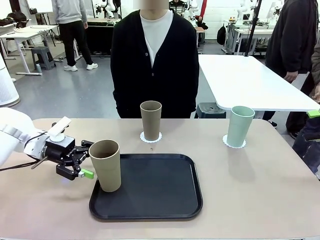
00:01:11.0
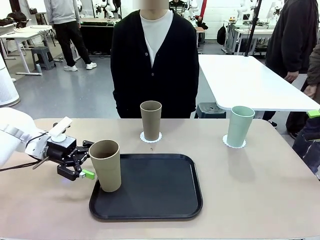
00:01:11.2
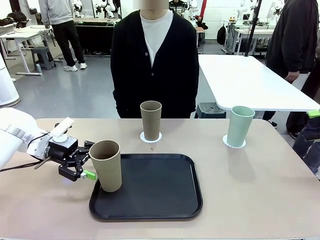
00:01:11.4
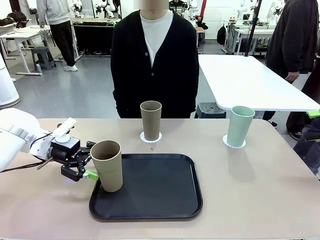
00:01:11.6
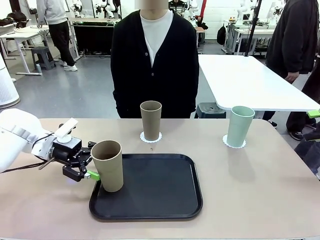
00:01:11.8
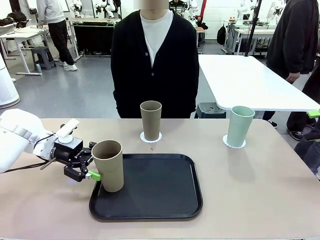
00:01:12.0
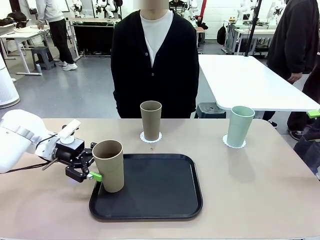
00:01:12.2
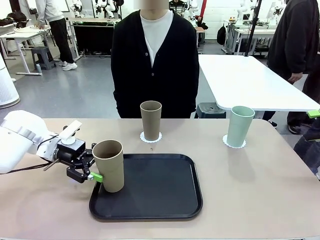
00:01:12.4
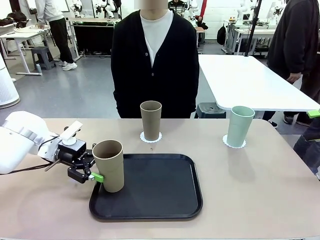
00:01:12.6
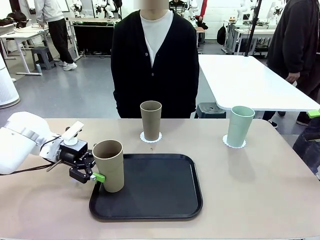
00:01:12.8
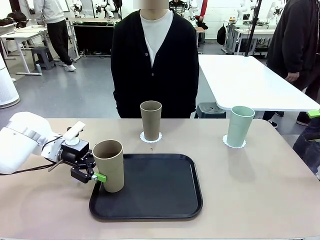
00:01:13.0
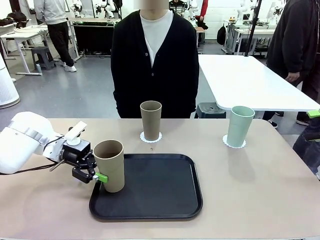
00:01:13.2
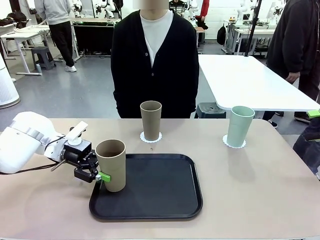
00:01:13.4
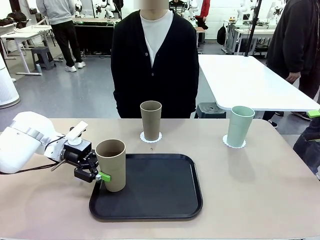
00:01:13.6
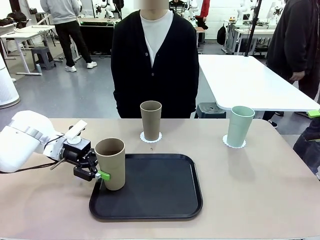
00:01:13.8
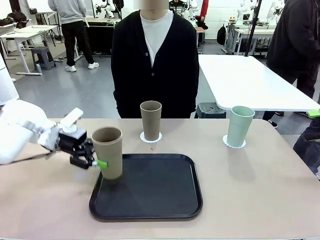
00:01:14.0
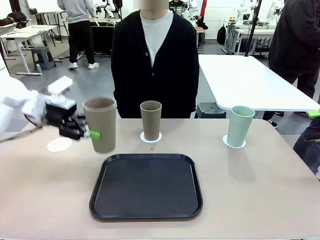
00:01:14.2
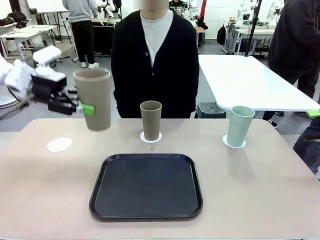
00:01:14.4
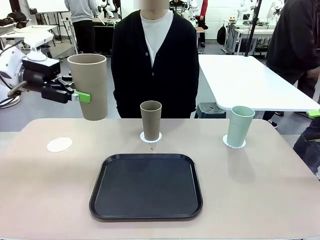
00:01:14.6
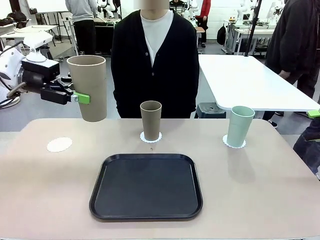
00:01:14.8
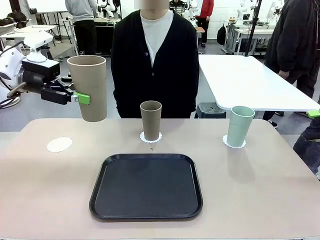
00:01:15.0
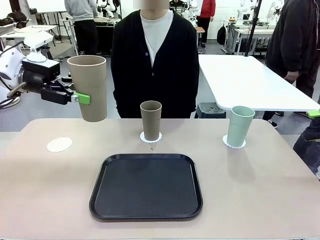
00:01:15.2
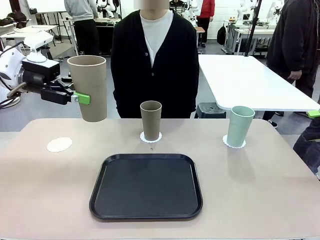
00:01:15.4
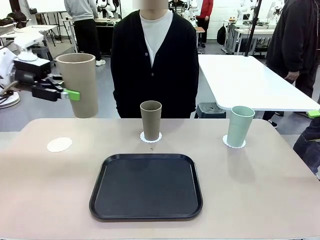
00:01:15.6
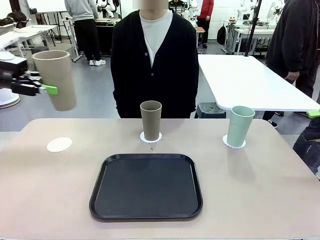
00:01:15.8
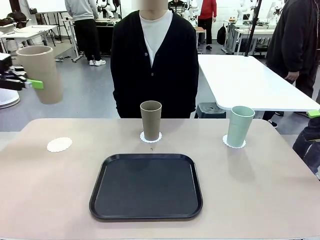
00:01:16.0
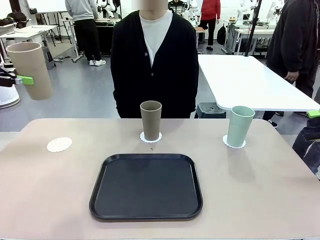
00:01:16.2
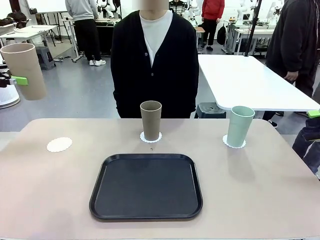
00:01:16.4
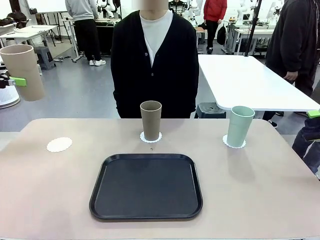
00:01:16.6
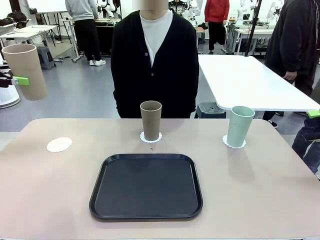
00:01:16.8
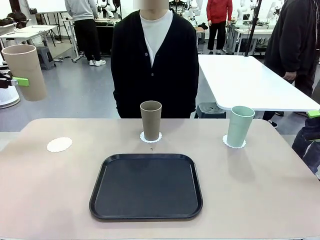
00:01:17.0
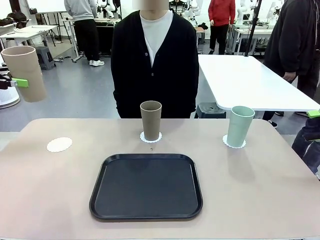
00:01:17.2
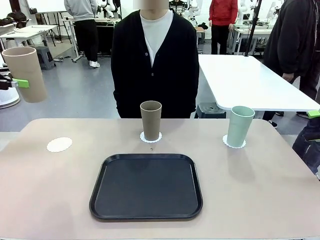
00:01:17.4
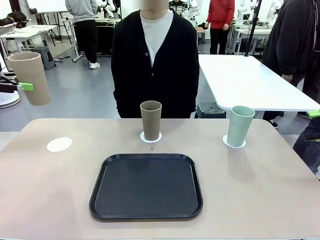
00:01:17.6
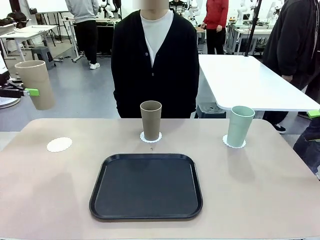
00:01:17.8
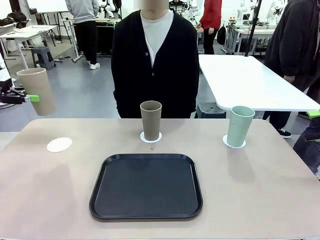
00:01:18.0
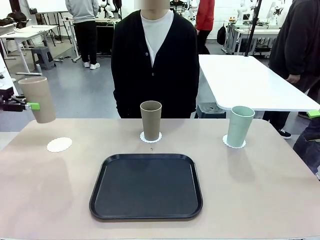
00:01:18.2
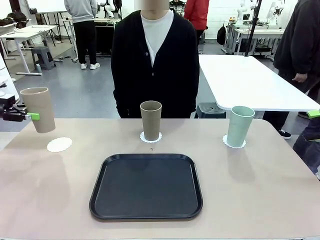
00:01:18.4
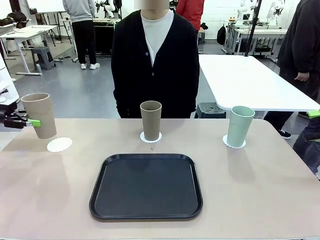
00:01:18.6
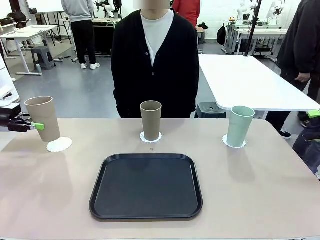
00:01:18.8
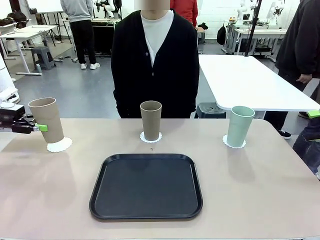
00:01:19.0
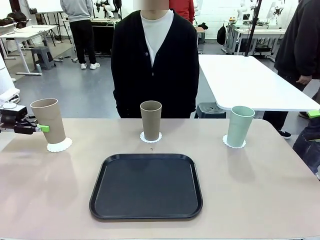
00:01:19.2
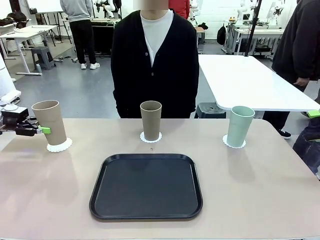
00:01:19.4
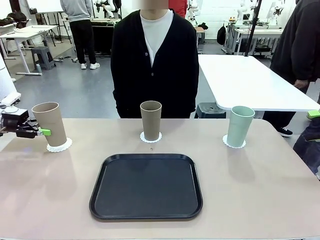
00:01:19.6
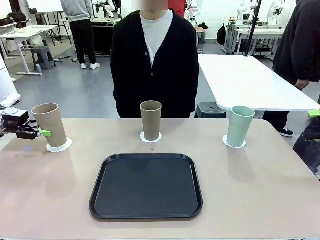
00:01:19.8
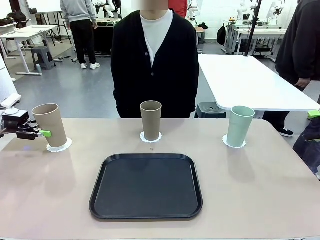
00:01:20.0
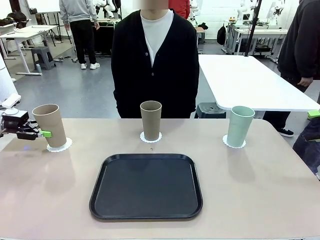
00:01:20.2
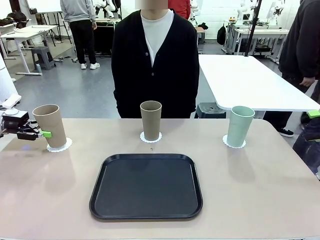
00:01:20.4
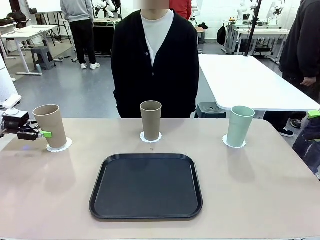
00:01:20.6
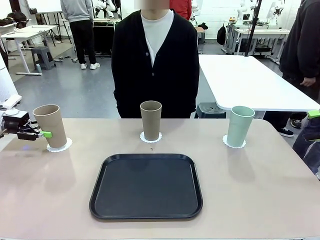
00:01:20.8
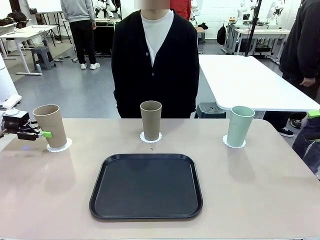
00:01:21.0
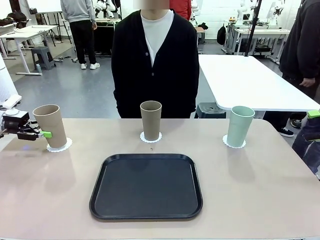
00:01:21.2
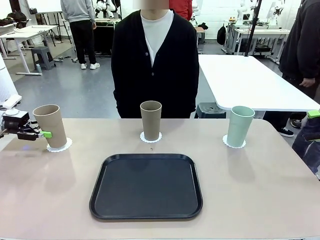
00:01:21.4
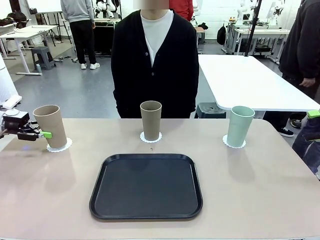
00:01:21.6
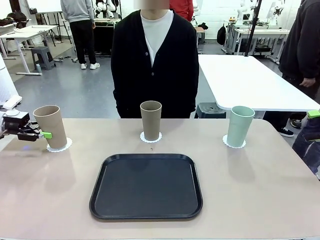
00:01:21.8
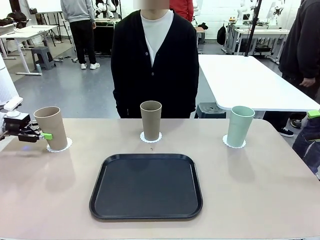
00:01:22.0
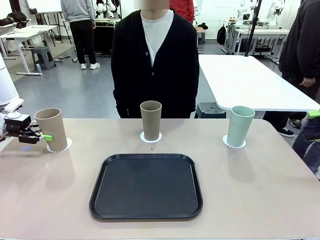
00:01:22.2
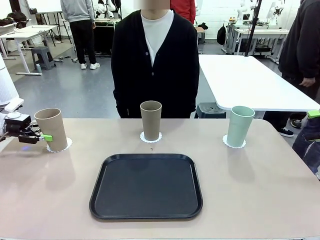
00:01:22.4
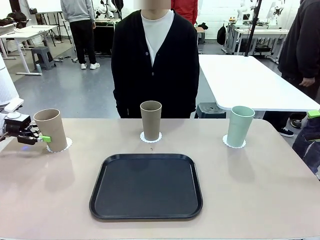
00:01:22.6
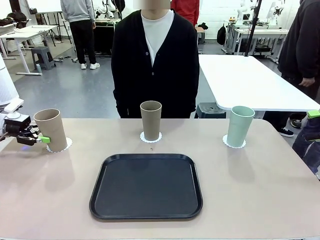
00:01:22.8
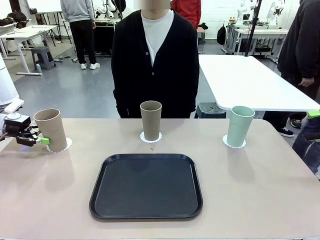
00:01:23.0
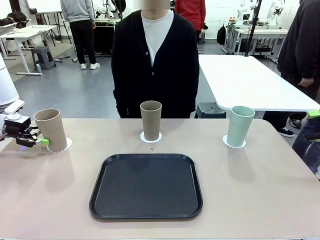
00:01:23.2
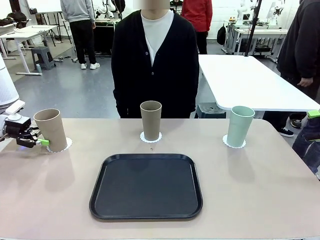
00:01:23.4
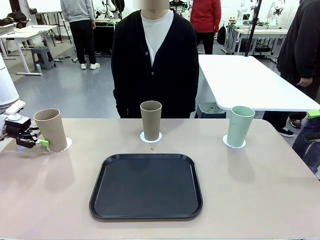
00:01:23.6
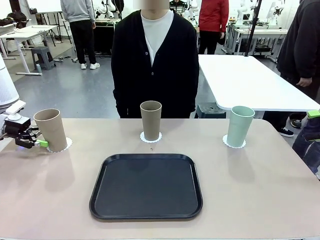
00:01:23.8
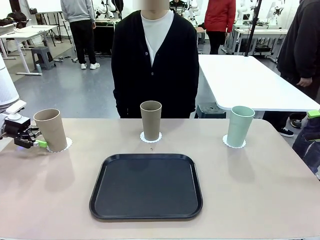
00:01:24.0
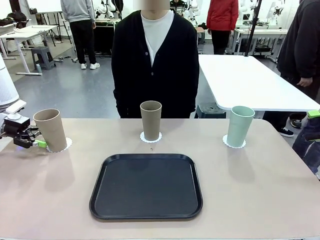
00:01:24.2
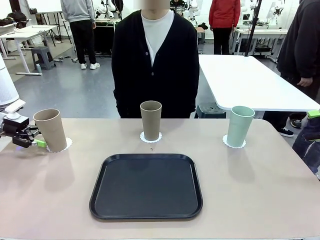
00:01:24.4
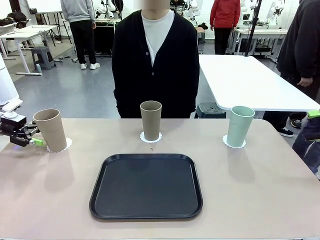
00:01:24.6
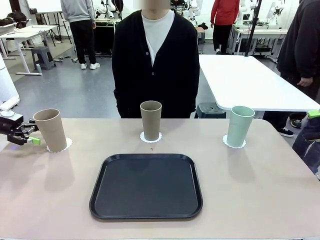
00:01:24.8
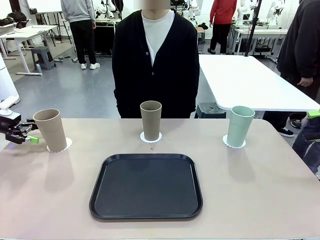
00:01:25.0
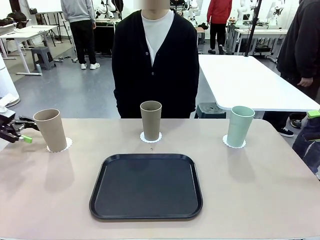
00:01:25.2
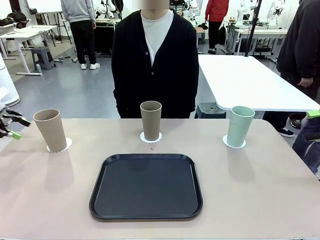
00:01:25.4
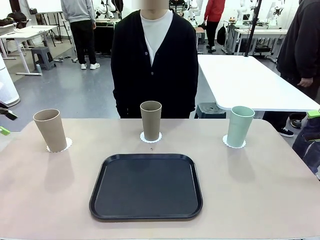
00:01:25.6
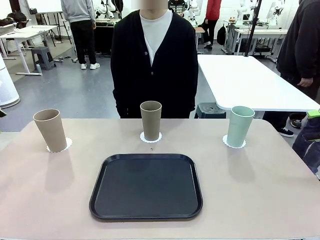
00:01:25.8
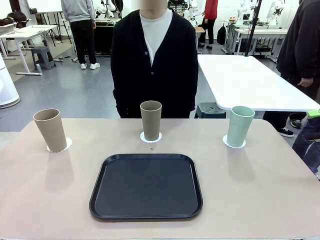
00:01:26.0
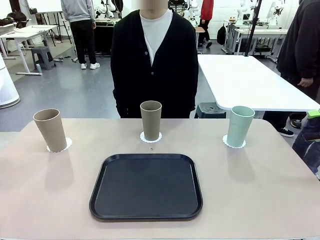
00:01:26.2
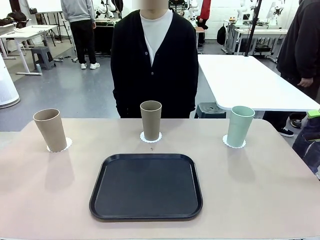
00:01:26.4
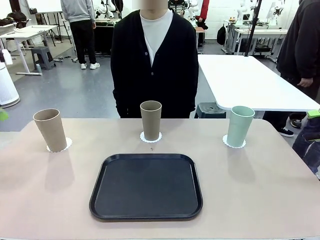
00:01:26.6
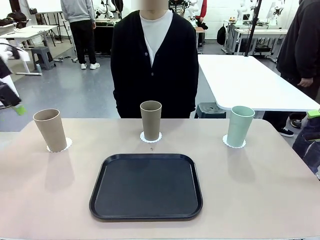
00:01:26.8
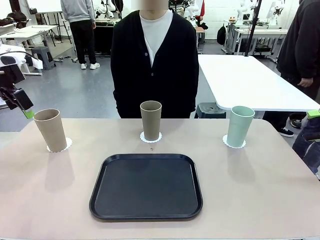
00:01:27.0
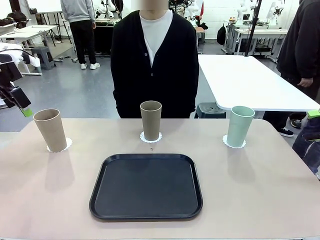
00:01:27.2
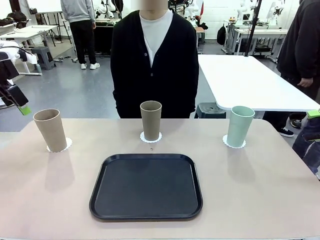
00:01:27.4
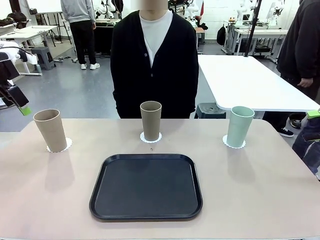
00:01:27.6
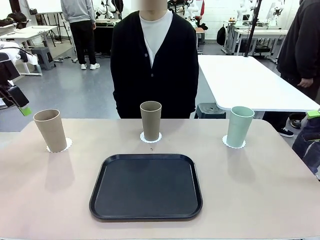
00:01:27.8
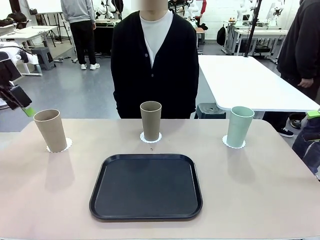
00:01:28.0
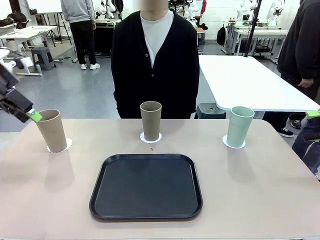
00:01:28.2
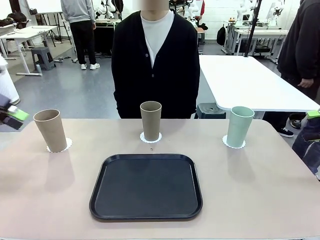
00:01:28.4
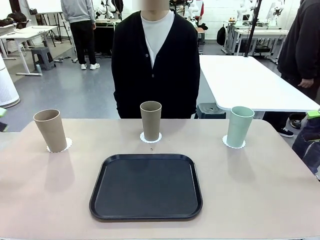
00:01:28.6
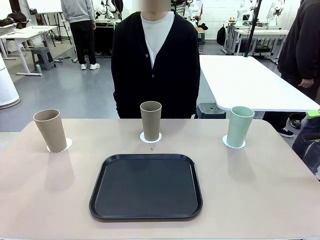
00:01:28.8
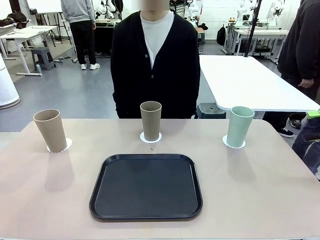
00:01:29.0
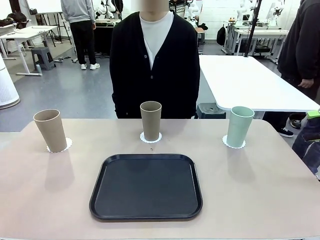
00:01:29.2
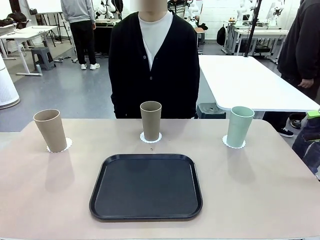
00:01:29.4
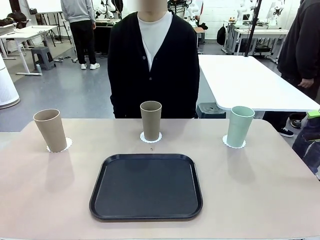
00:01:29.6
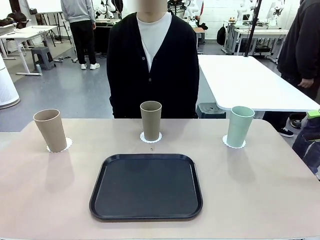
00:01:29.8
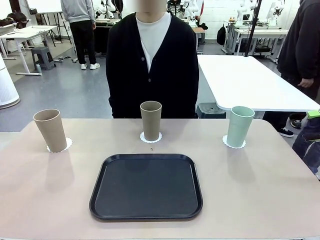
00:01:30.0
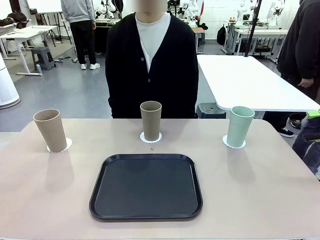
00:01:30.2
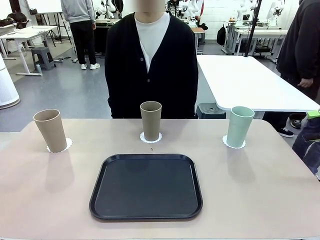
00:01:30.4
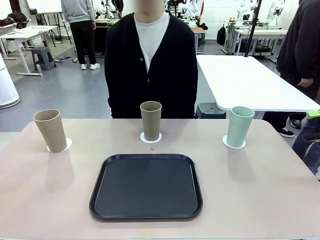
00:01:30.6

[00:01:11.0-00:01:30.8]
Task: Place coasters on the table and set cups on them.
Robot: Take one Reusable plastic cup from the Flat Tray and place it on a coaster set by the human.
